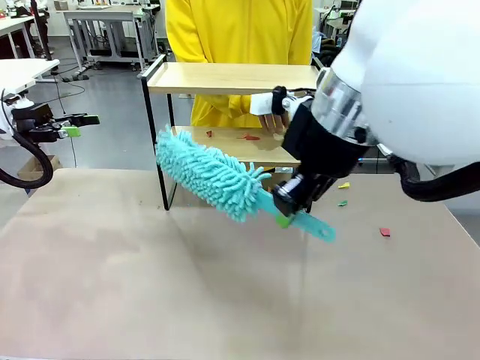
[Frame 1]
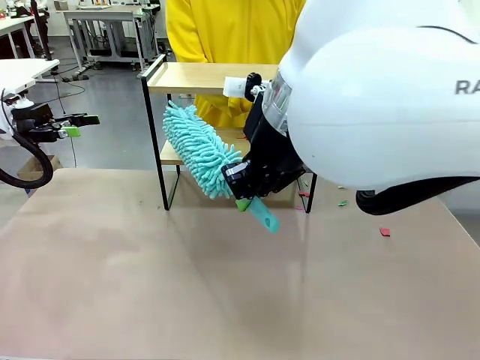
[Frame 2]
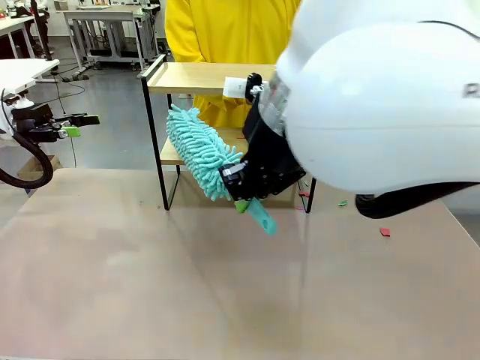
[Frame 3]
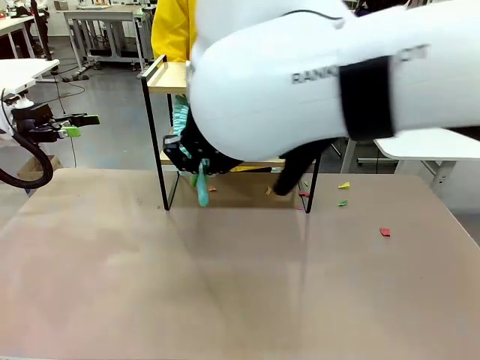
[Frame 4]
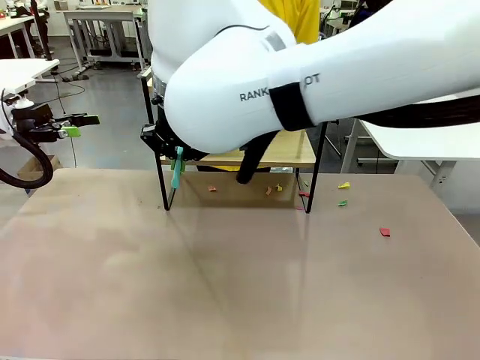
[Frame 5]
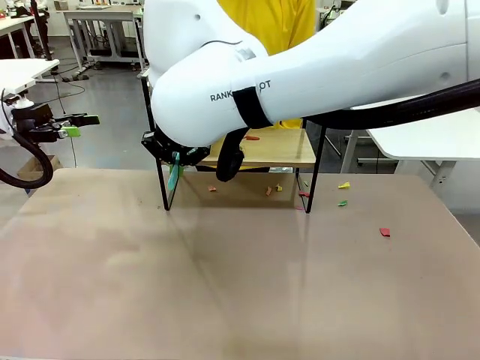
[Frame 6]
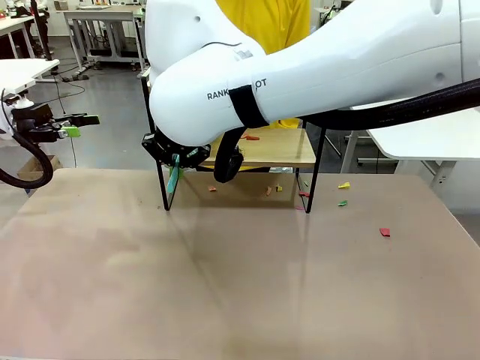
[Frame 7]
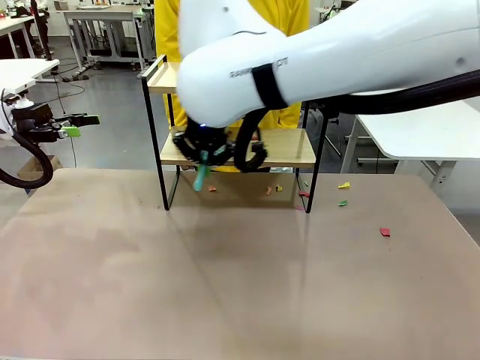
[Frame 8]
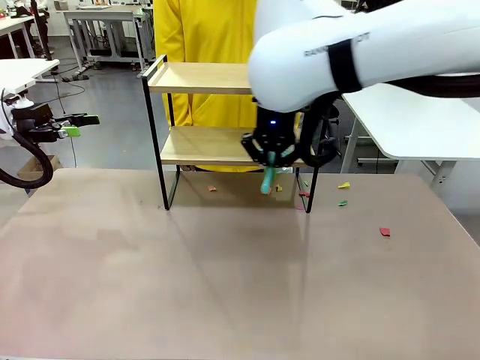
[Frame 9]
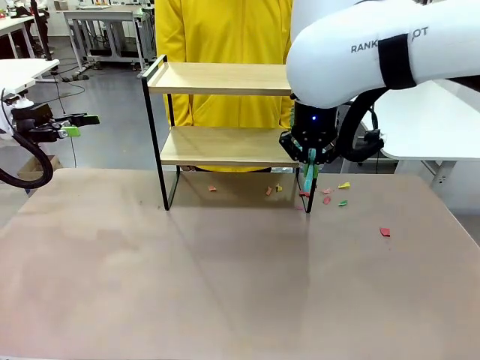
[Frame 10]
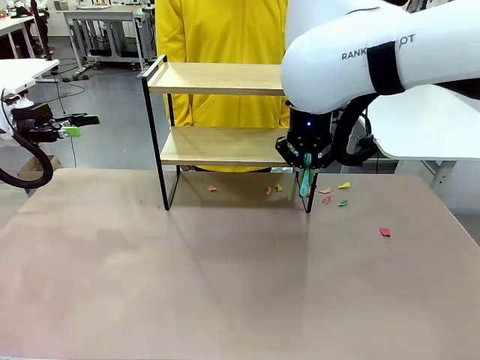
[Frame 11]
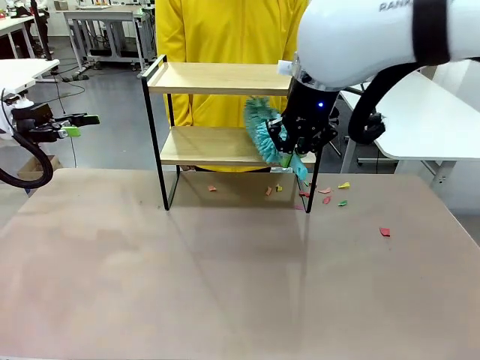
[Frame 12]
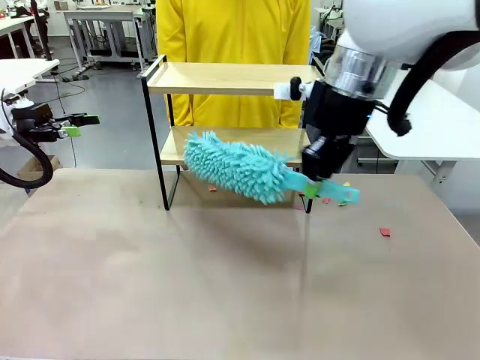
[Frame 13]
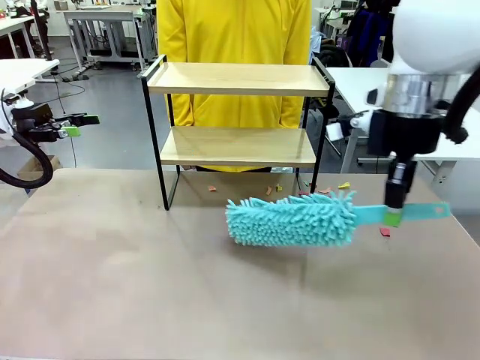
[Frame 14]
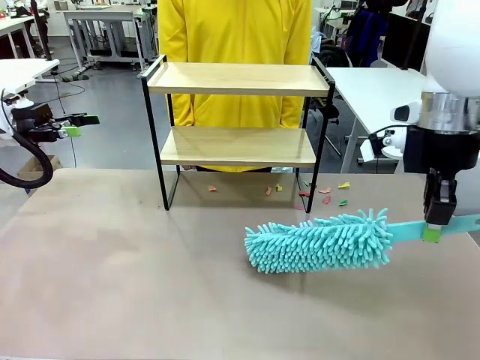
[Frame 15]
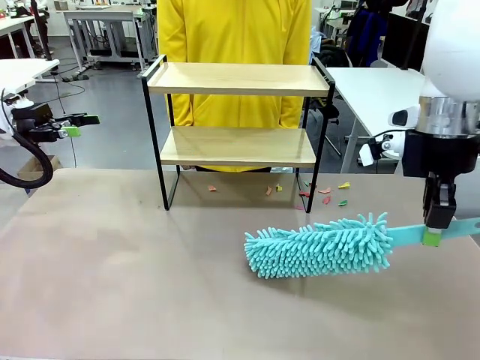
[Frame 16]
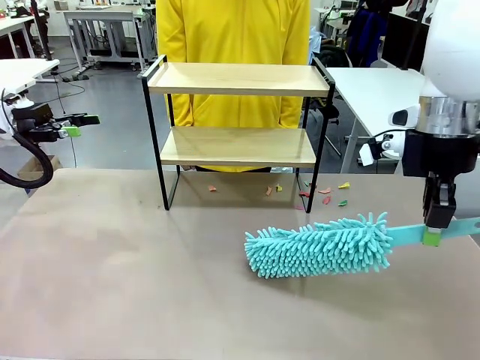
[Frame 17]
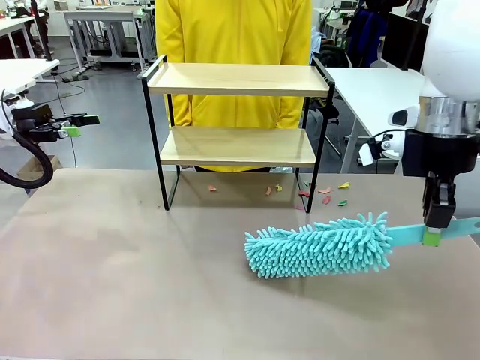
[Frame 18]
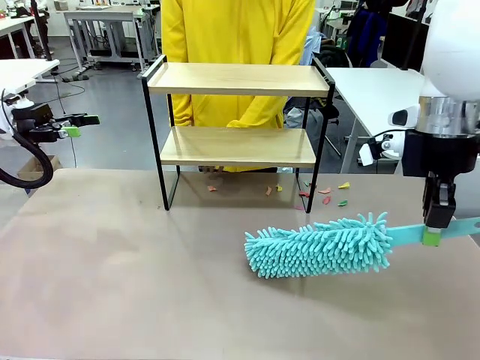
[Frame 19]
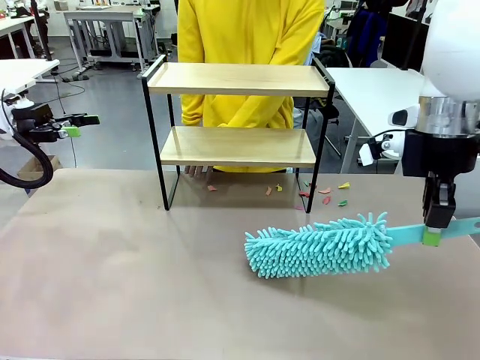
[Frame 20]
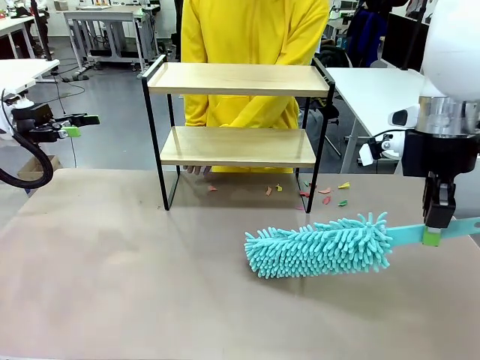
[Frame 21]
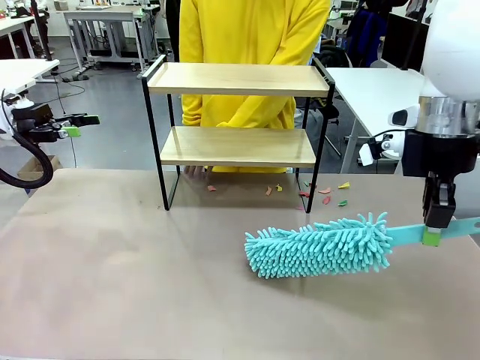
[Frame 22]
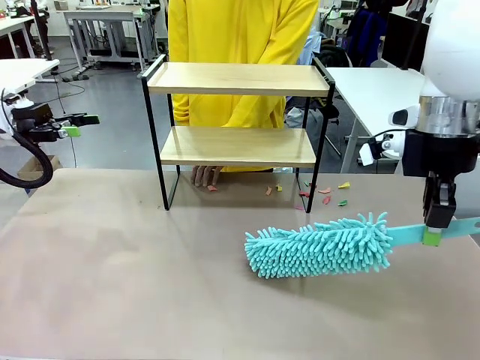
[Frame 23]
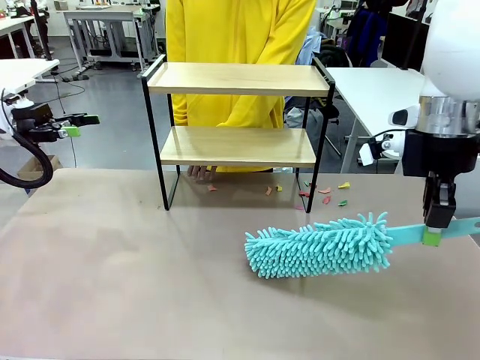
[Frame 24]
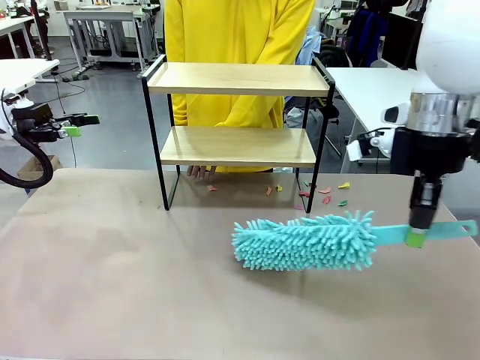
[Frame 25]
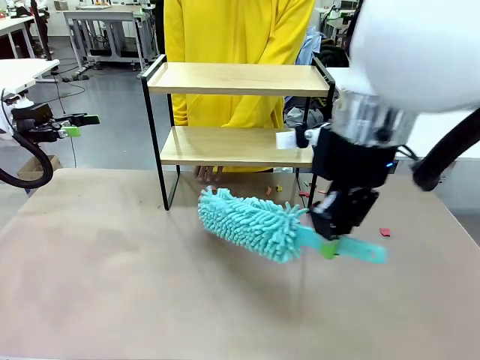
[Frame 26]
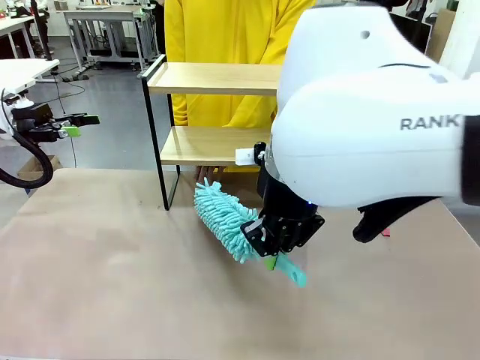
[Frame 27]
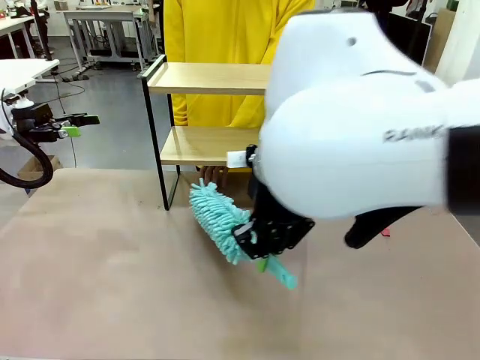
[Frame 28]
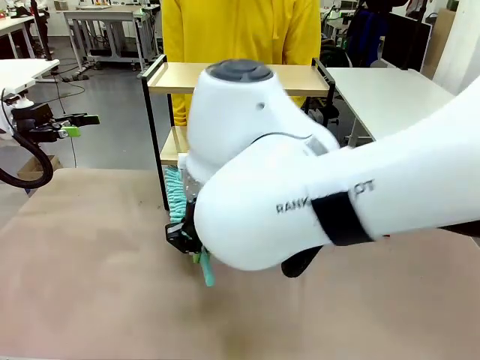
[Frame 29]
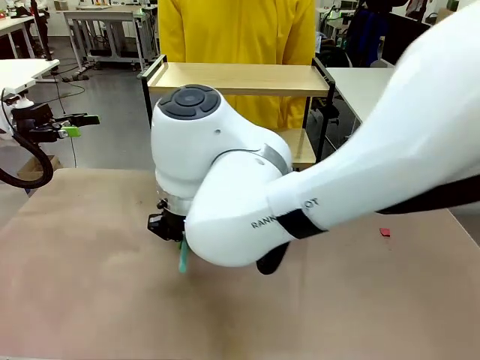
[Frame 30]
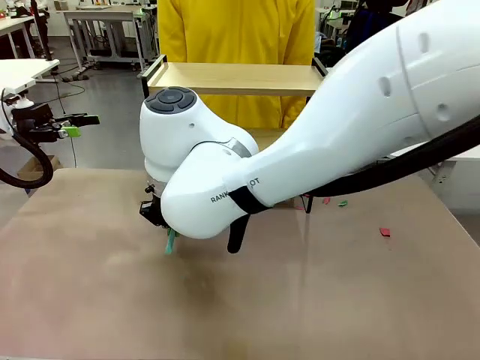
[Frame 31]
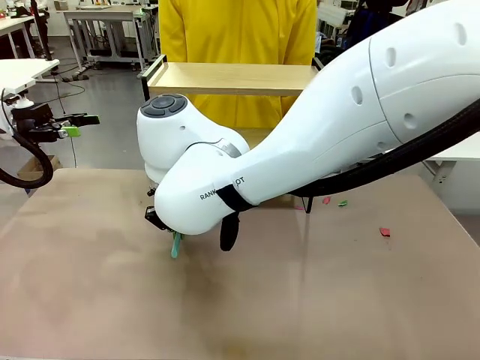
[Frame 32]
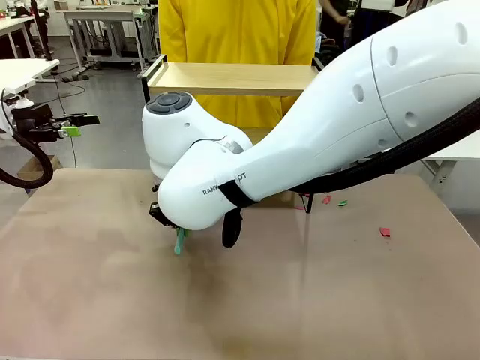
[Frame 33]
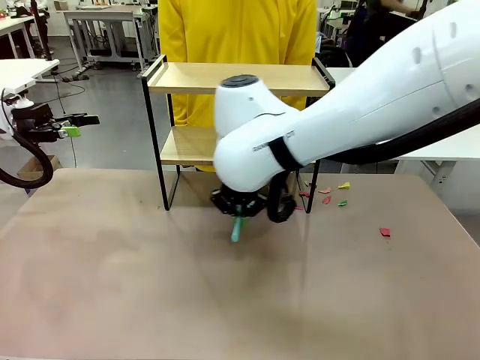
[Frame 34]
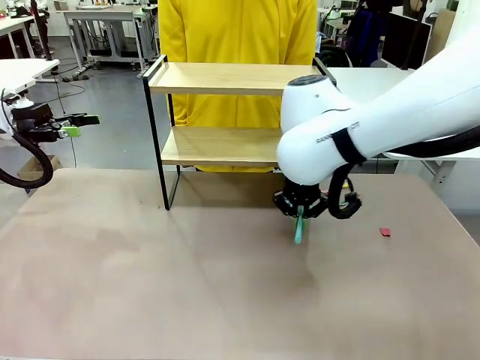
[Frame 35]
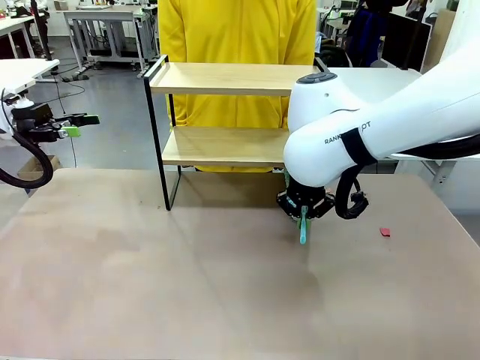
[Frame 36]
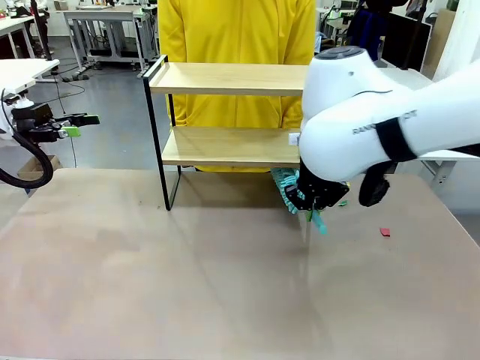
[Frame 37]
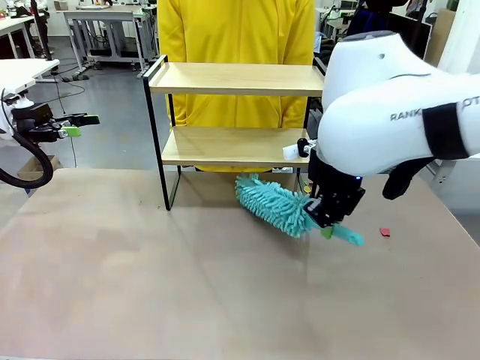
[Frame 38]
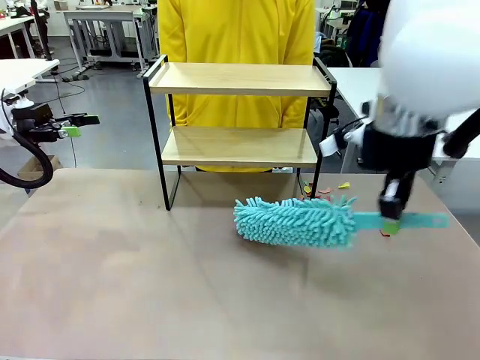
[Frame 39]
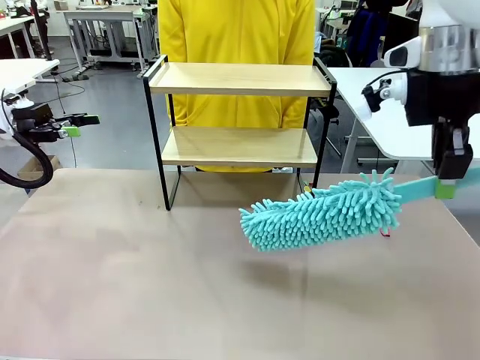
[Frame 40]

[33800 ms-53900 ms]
Task: Clean the shelf.
Robot: Clean the specific section of the Shelf indicated by the human with the Duster.
Person: Point a remaining section of the Shelf.
